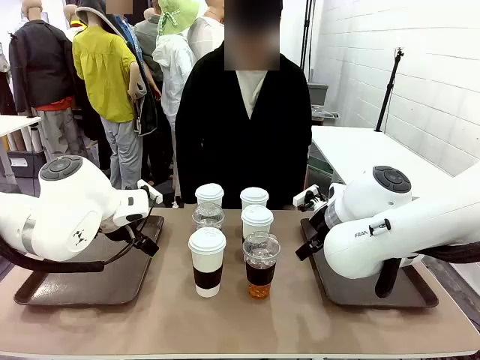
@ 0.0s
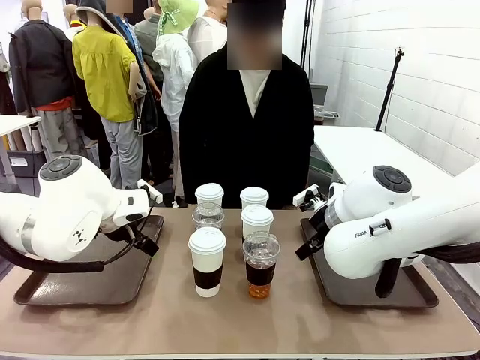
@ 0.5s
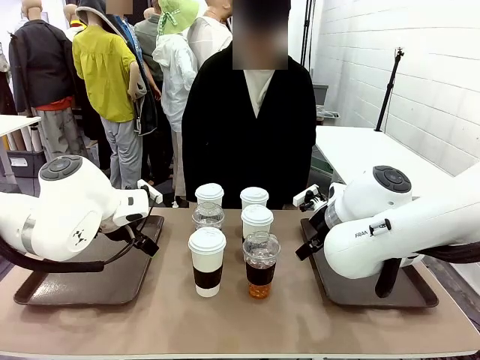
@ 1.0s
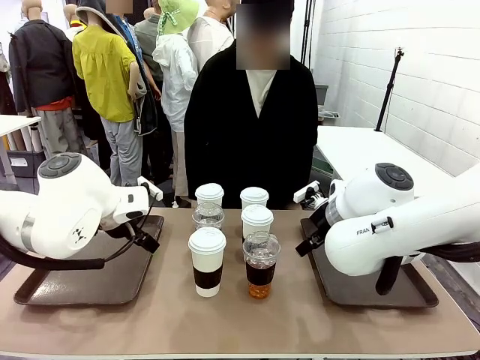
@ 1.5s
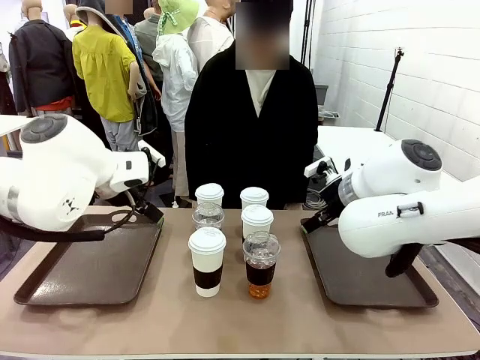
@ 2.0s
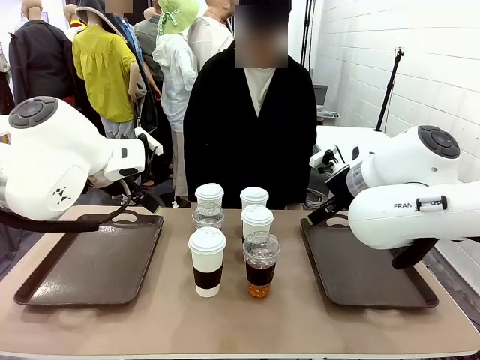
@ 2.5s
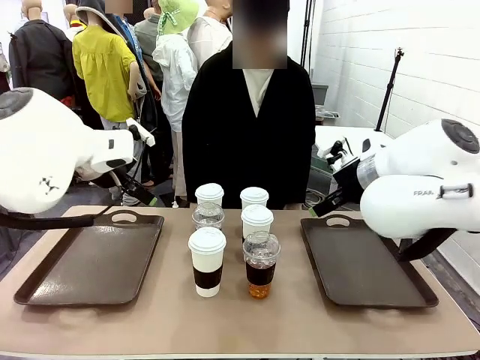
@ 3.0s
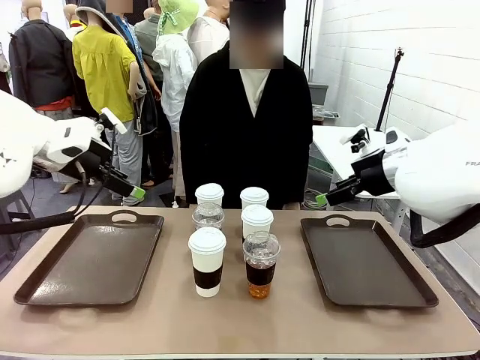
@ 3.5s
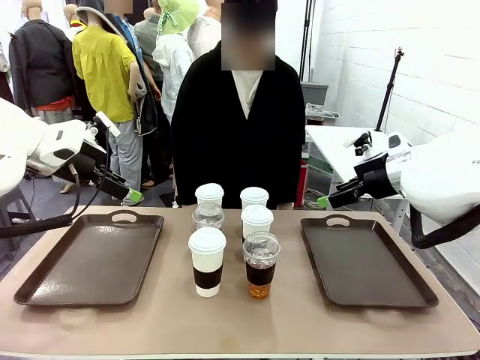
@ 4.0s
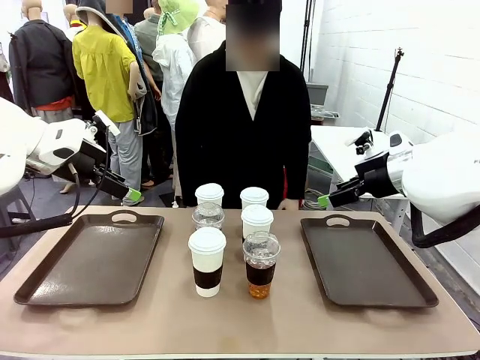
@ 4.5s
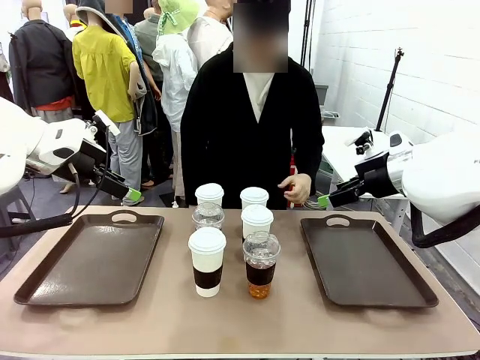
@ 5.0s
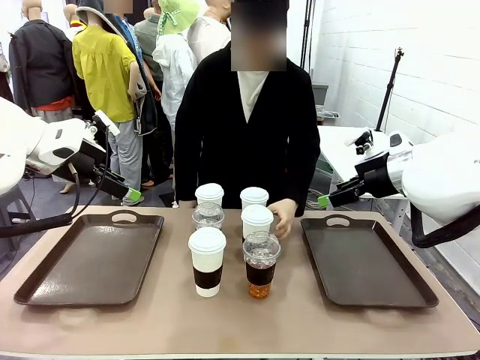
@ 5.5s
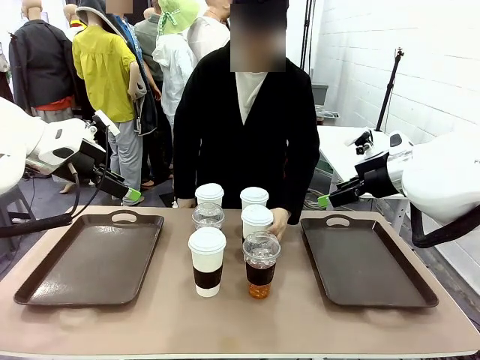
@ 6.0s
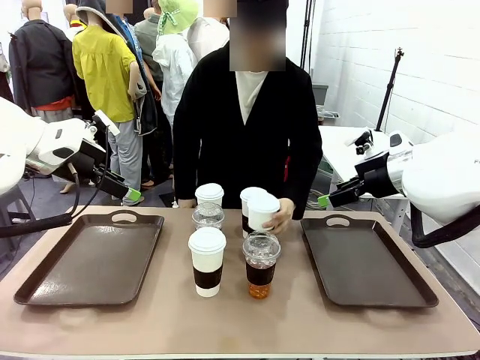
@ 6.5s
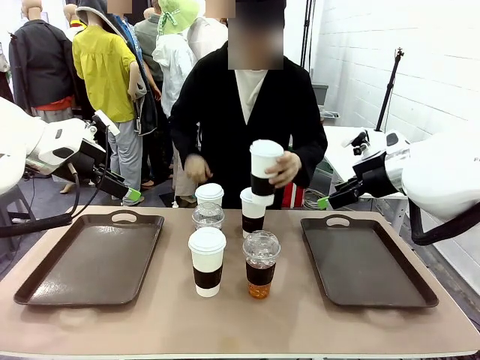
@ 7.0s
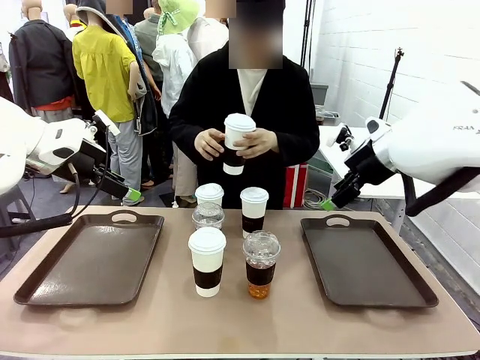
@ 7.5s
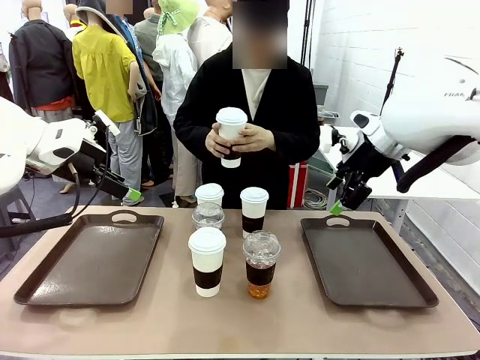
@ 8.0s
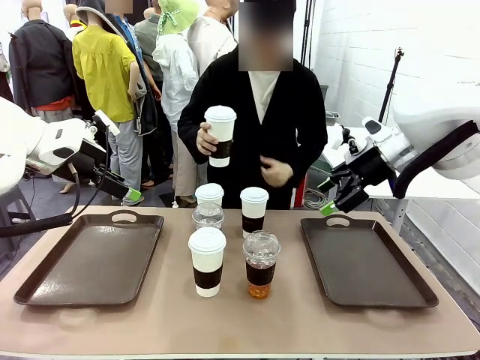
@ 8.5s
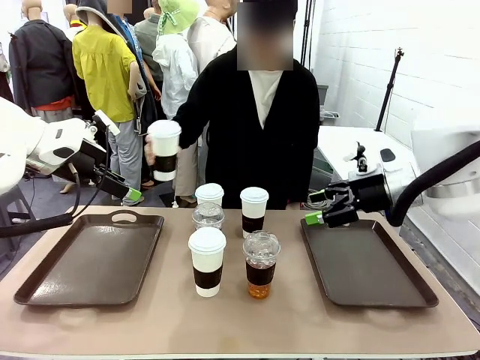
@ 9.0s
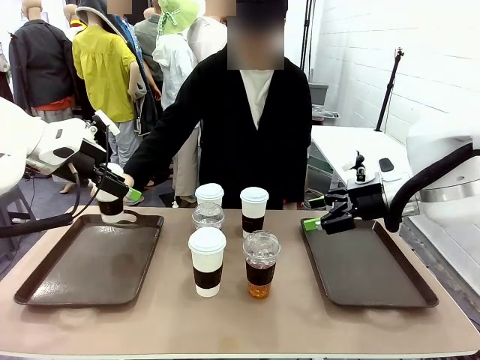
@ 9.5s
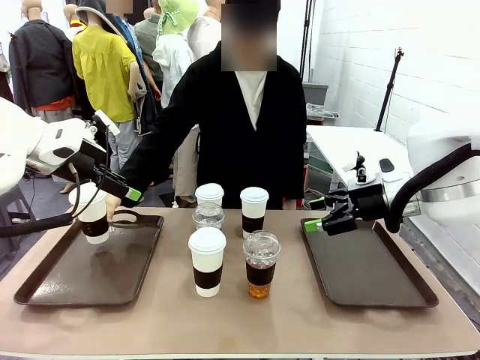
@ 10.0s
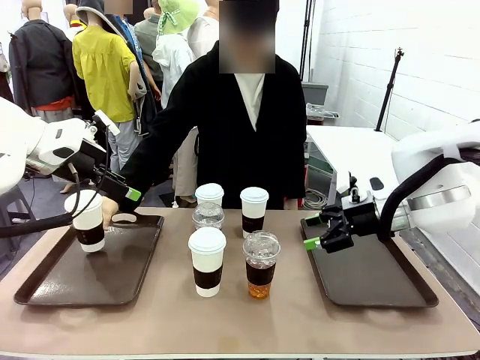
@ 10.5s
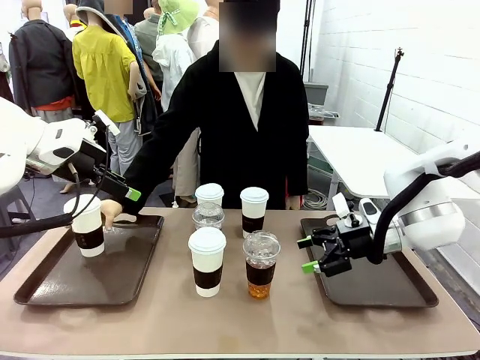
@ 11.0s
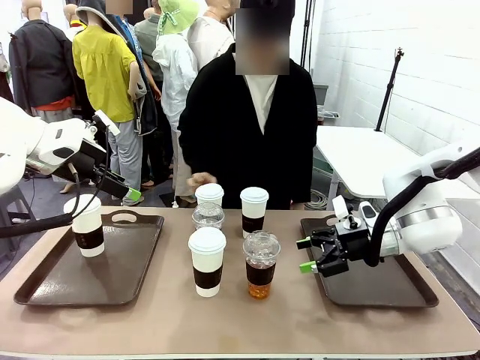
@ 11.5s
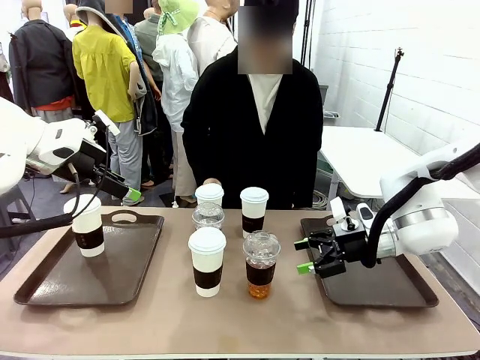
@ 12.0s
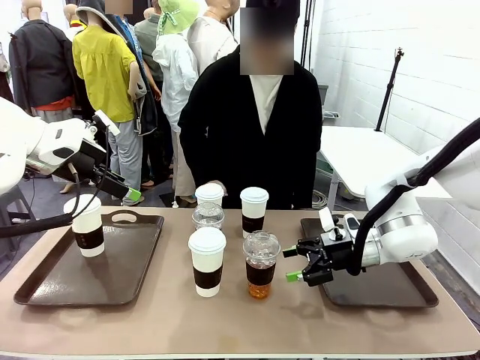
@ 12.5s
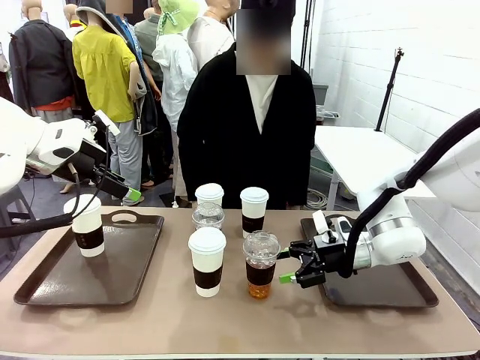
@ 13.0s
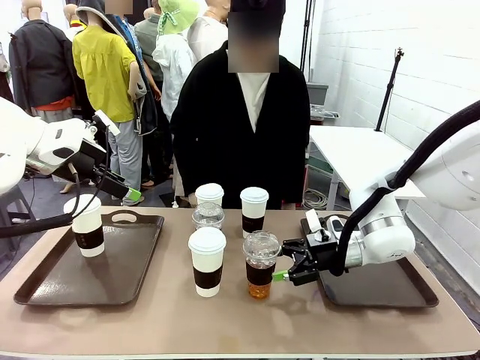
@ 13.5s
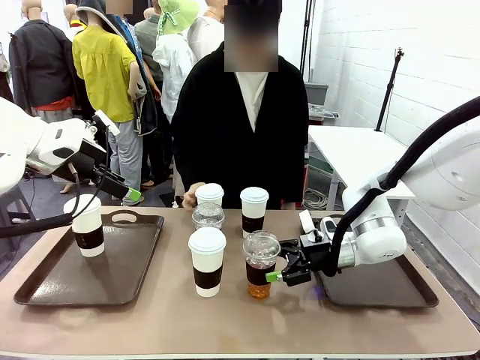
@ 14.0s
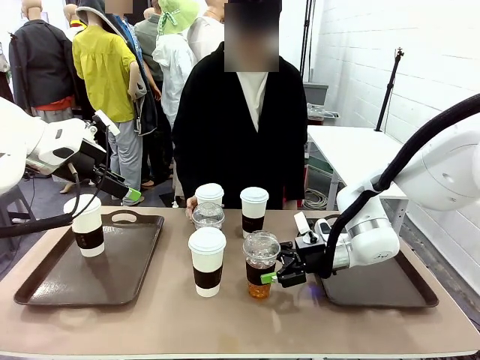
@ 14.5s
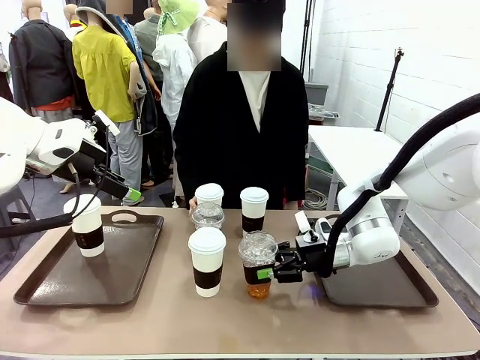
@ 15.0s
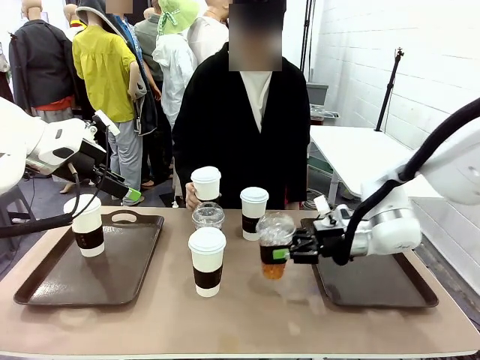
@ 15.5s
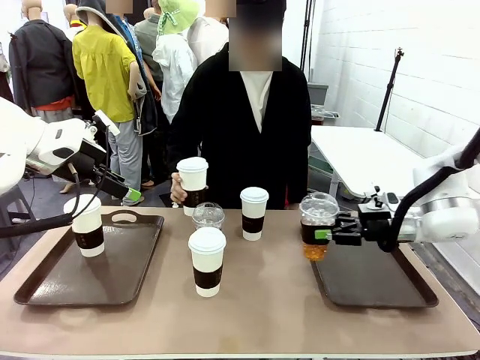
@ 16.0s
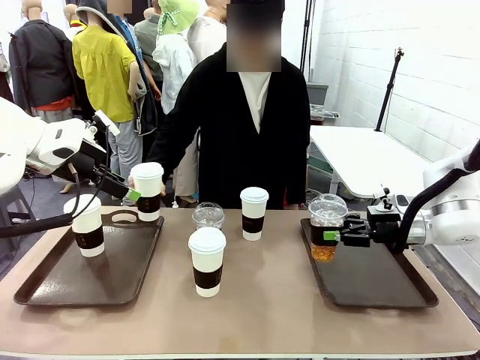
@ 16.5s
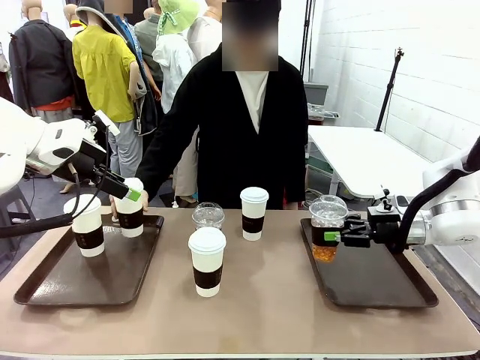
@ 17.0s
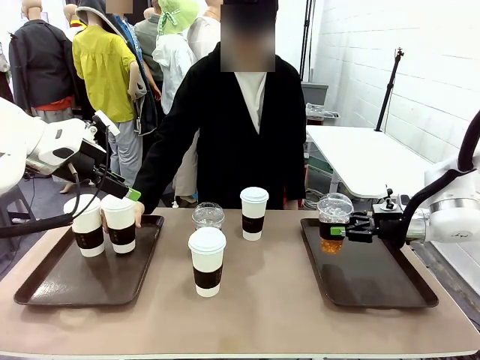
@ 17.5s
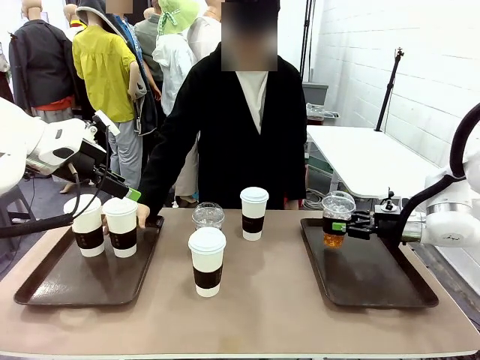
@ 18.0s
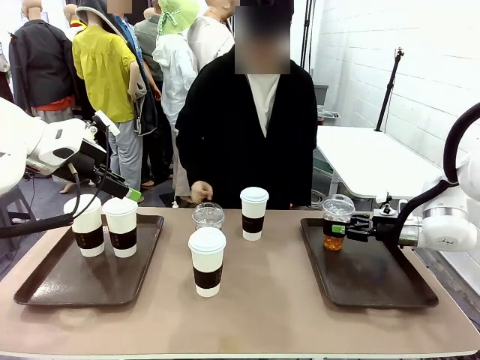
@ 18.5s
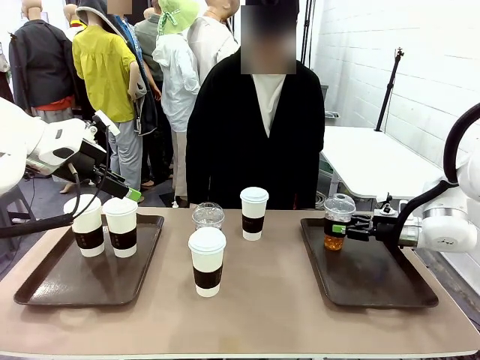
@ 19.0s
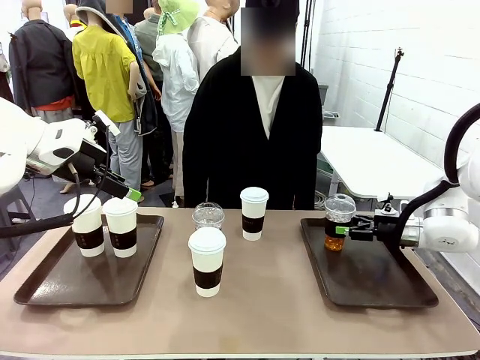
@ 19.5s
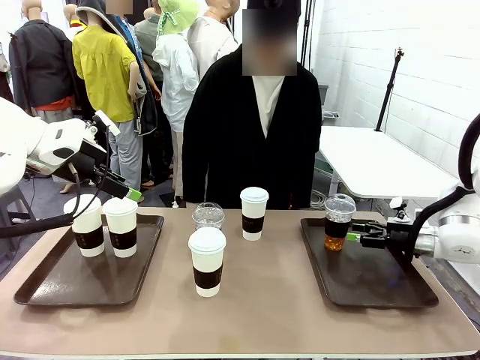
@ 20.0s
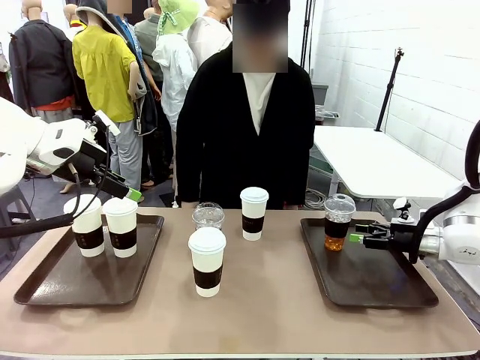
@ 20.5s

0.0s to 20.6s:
Task: Distribute the coffee onto the tray.
Robot: Pick up one iced Americano and place it on the right Handle tray.
Person: Pick up a cup of hot Americano and place it on the right tray.
